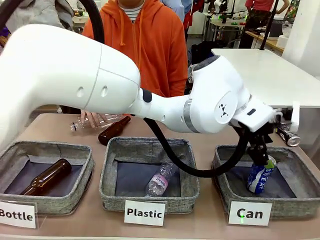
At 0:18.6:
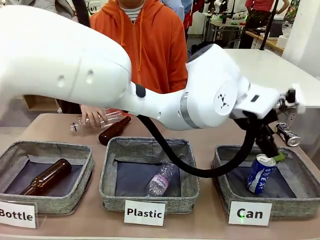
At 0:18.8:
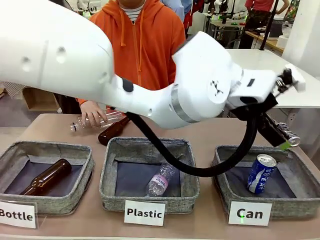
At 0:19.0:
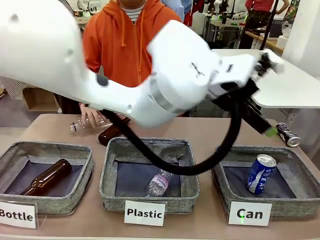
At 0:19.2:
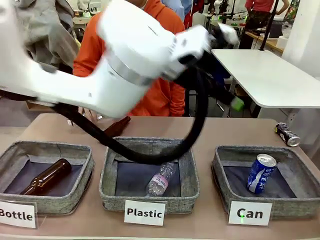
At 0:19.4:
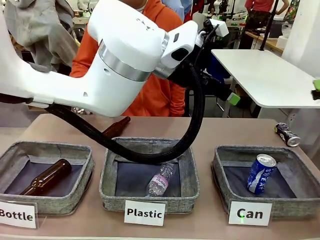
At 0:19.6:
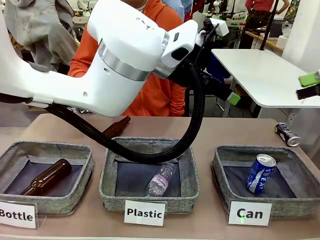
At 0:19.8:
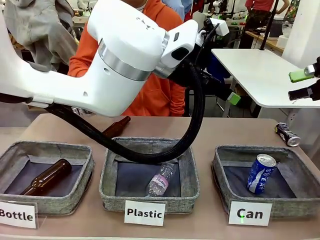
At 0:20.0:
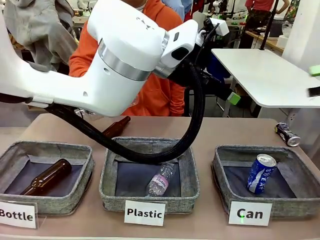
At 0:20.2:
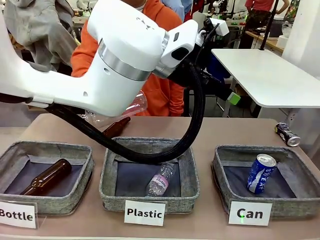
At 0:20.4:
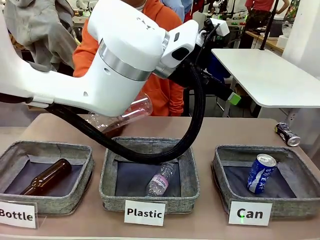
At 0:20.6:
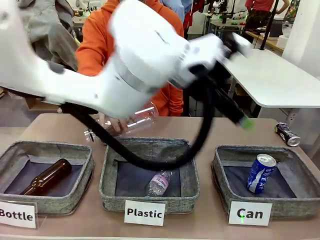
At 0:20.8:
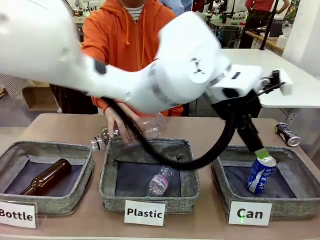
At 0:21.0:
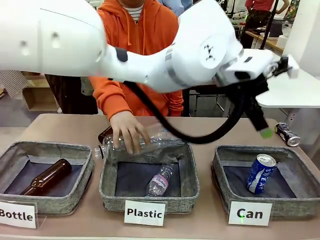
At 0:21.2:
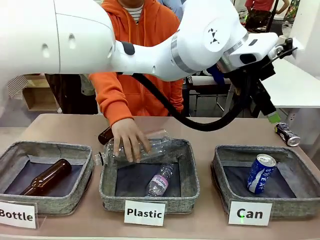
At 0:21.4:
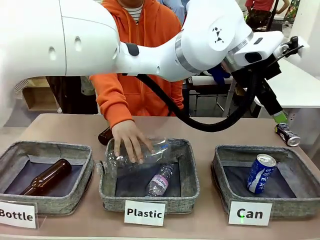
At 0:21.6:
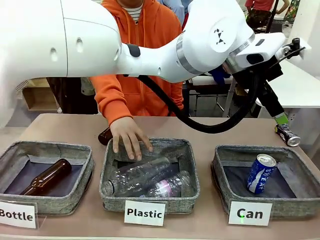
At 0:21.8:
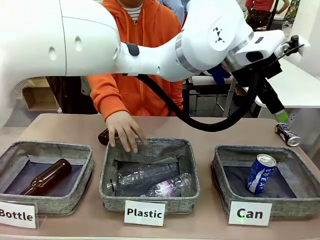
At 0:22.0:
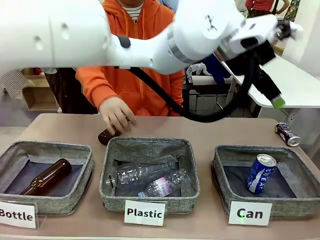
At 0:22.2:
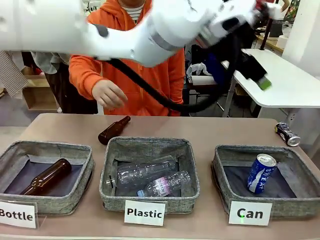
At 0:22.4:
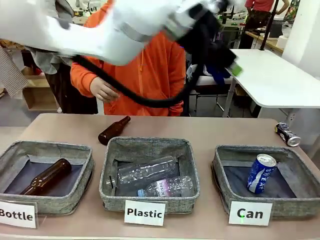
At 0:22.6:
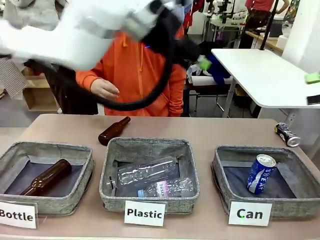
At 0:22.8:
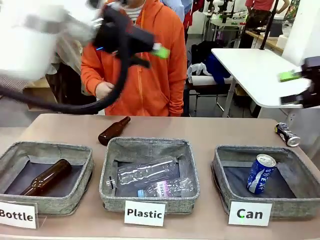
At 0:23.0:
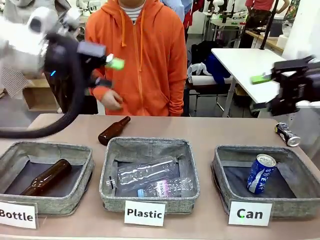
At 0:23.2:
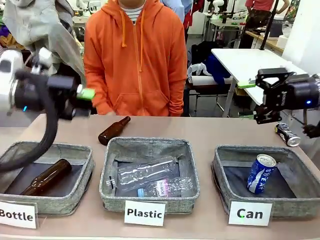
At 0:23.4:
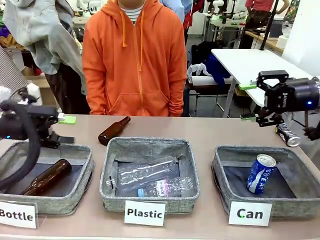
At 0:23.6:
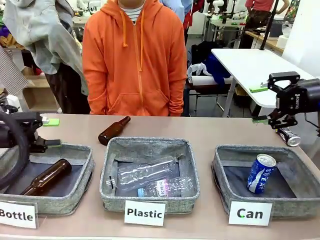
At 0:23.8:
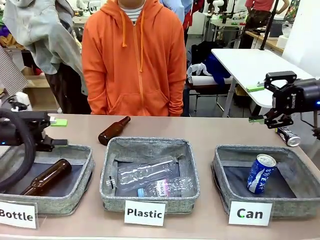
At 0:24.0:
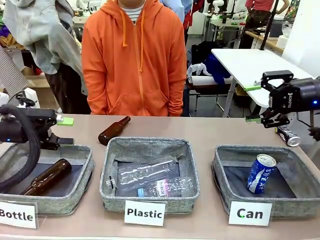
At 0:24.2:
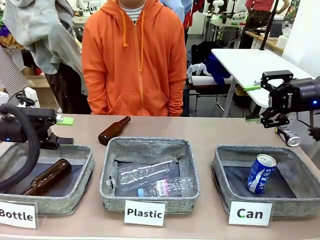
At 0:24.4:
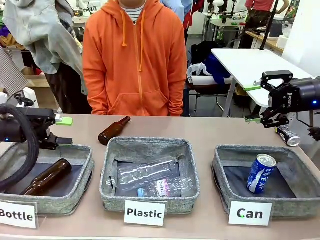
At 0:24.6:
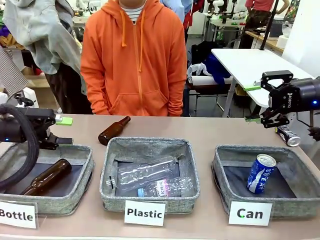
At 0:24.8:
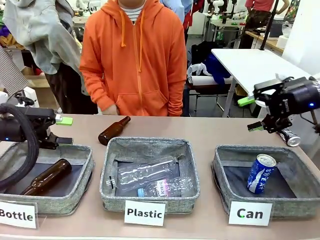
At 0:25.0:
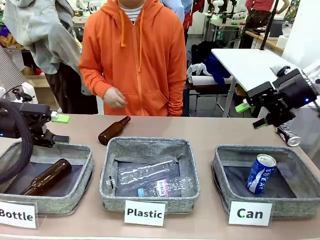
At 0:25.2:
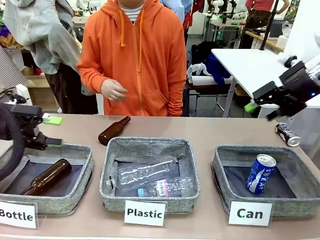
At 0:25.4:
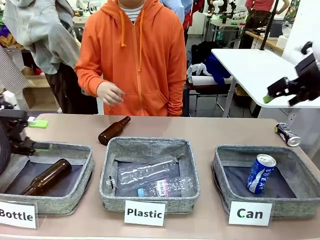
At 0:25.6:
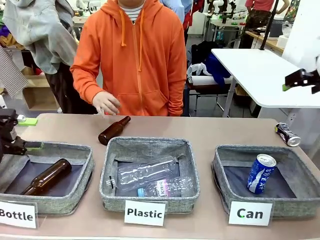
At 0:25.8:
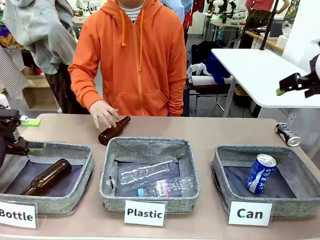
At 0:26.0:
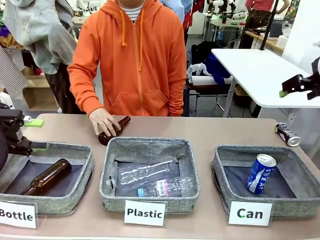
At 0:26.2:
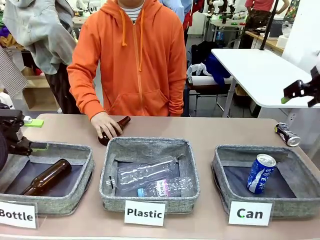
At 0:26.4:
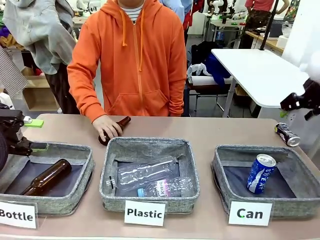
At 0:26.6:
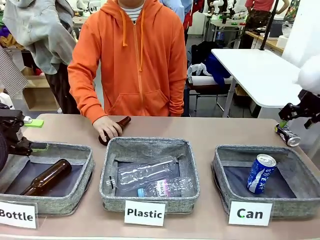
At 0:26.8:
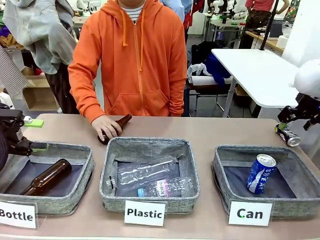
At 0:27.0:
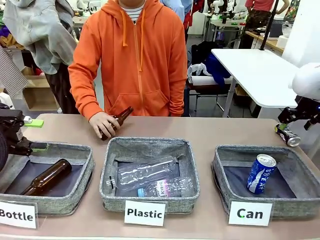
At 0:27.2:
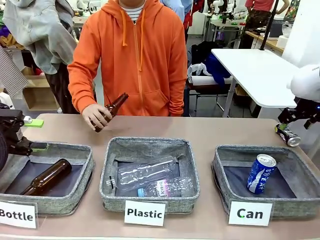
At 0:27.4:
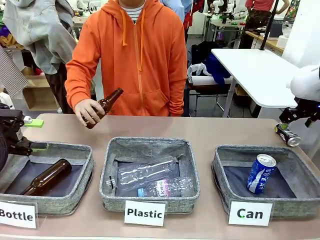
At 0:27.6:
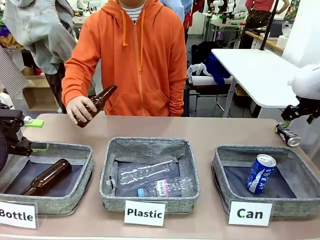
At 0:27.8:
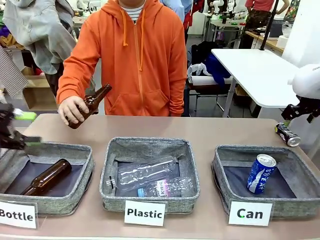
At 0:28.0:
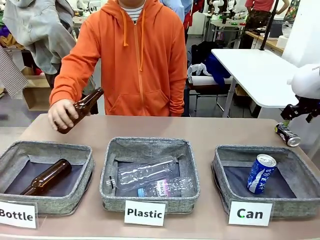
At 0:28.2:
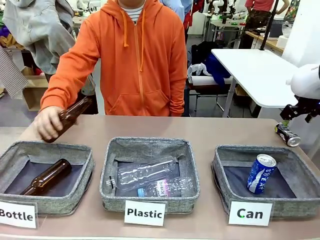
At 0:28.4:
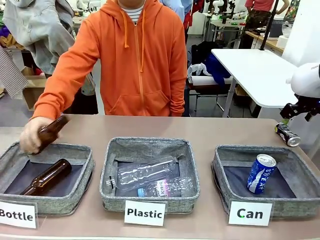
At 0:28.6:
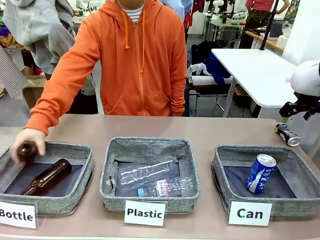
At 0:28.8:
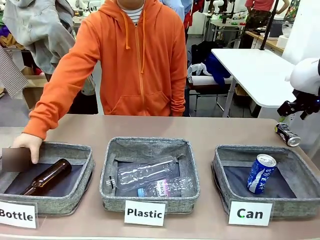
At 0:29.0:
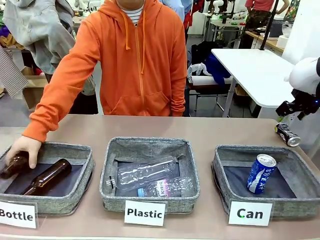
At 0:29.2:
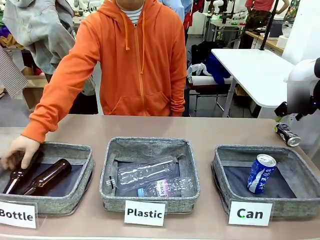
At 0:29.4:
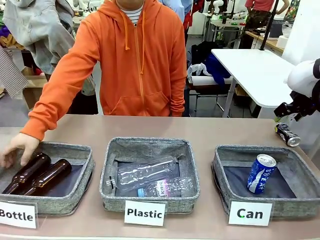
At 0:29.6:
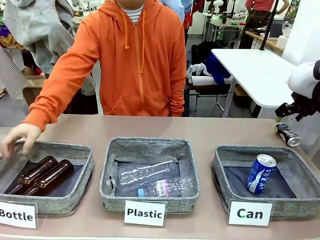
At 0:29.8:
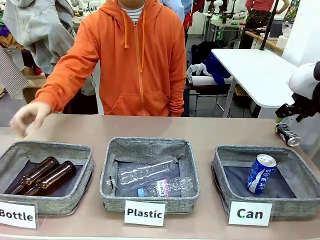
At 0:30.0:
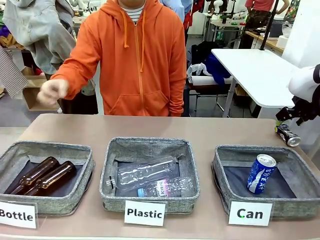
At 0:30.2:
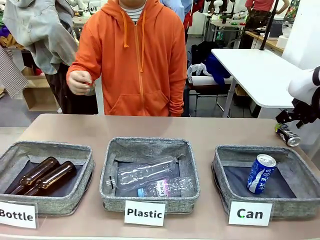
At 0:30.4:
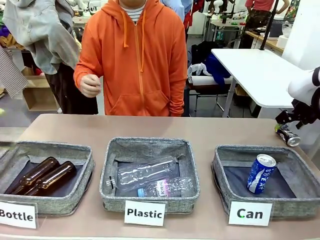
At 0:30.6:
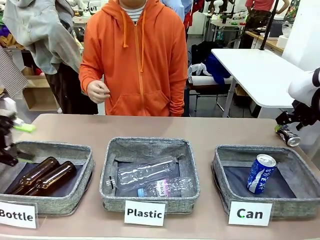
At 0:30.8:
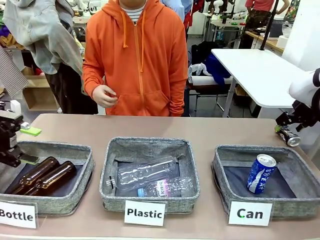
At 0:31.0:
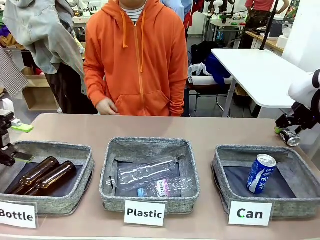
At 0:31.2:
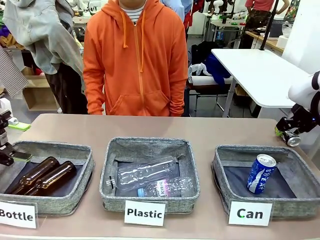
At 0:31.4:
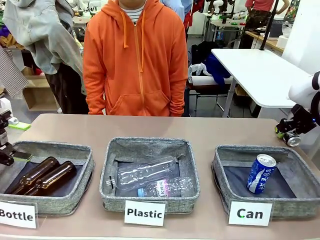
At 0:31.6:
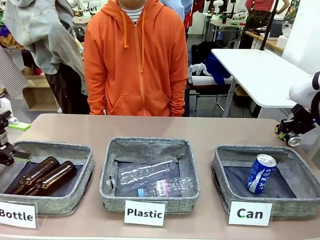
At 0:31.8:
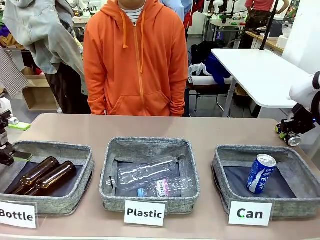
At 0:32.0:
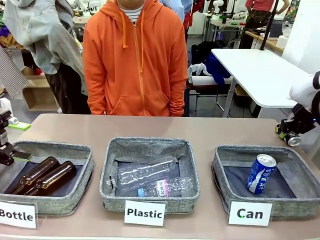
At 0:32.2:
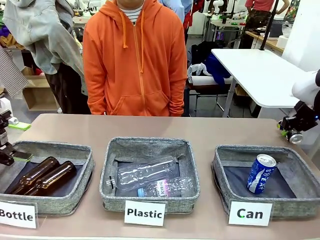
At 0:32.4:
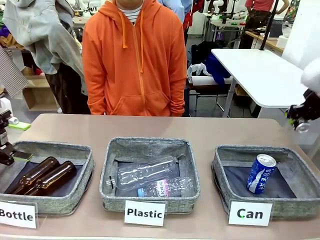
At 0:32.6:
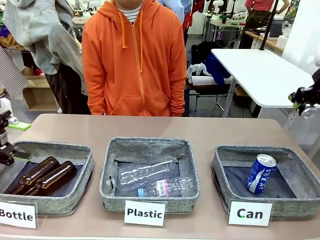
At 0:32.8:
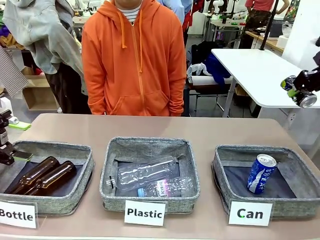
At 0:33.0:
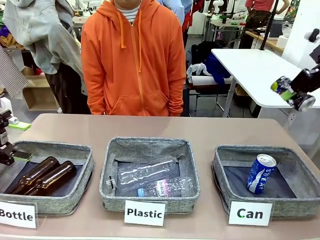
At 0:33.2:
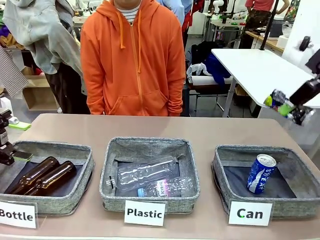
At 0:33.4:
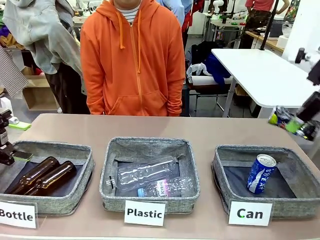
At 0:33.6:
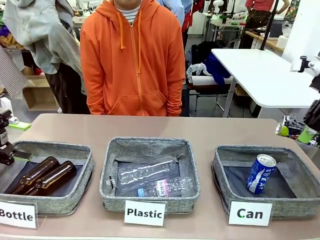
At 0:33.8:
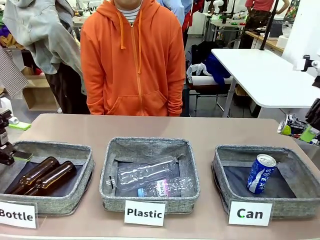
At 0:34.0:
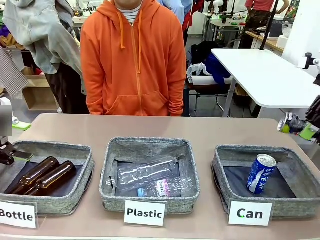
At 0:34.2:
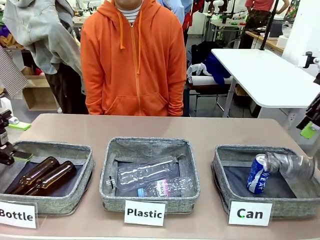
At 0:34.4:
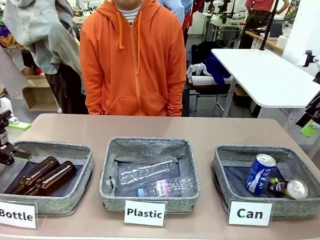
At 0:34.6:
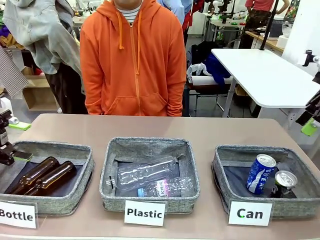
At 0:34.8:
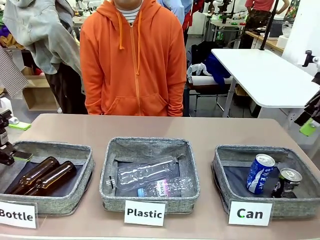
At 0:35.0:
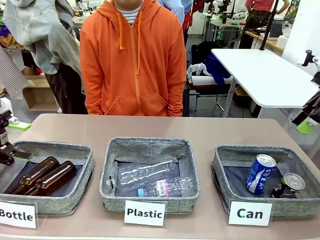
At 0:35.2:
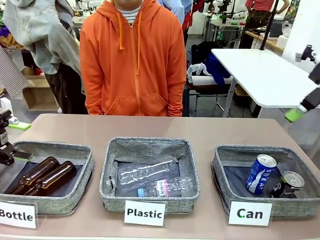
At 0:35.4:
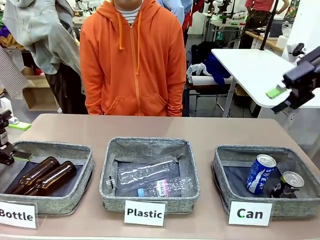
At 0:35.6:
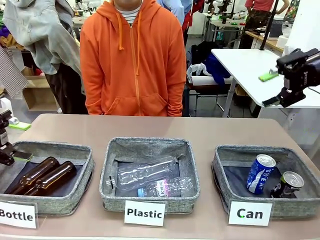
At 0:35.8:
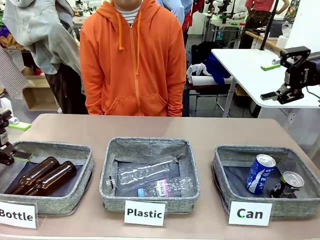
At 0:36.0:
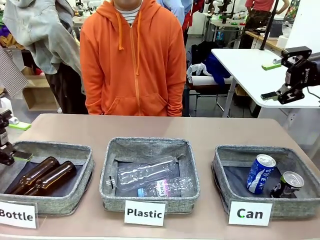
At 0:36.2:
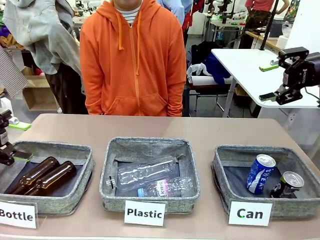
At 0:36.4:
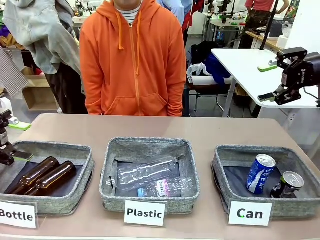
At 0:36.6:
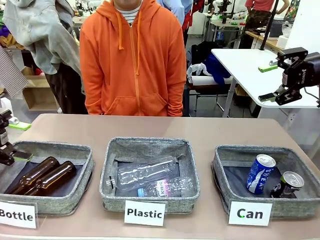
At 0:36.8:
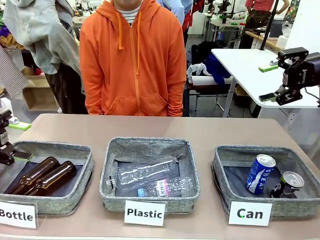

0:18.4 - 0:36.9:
Task: Sort the can waste into the basket.
Robot: Pick up the can waste from the table and place it in the right Fabric basket.
Person: The human picks up one piece of trash that is not a can and places the trash into the appropriate organizing basket.
